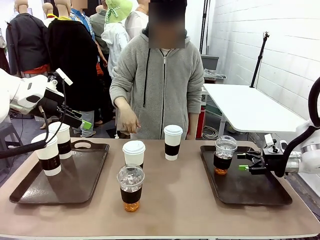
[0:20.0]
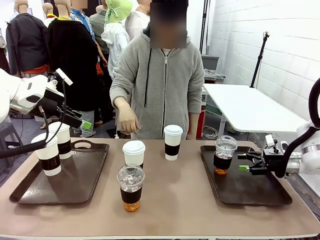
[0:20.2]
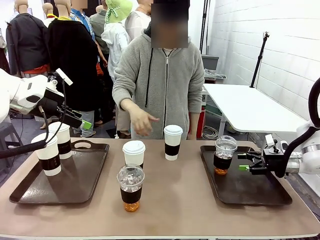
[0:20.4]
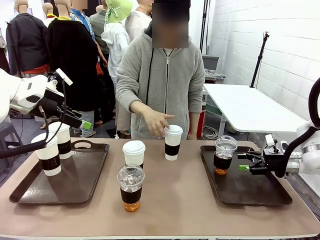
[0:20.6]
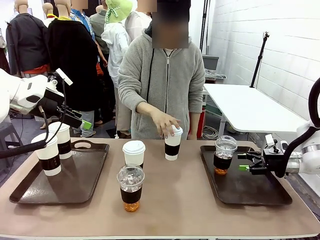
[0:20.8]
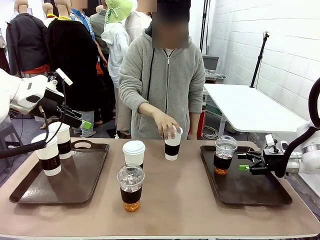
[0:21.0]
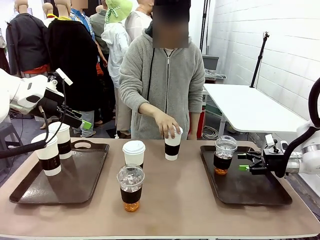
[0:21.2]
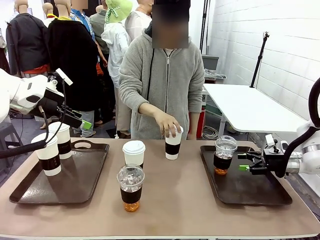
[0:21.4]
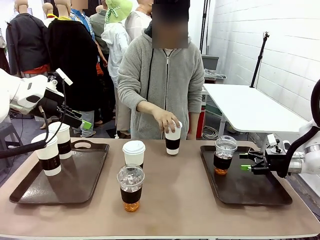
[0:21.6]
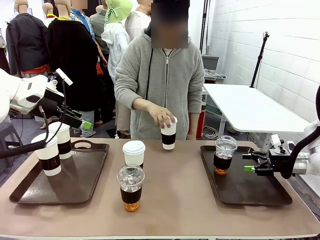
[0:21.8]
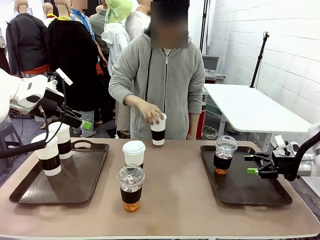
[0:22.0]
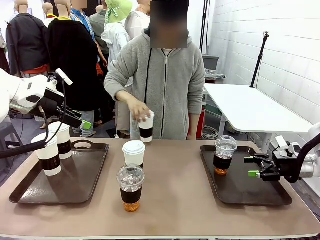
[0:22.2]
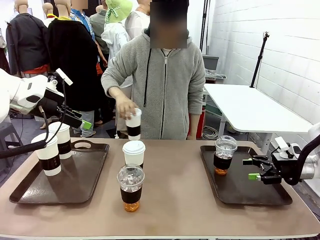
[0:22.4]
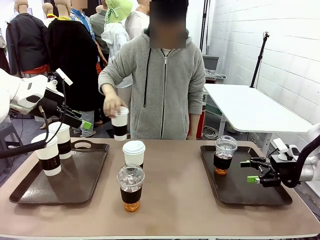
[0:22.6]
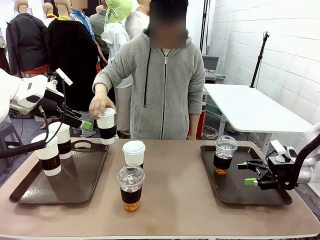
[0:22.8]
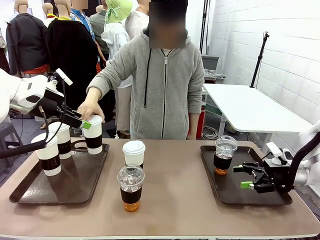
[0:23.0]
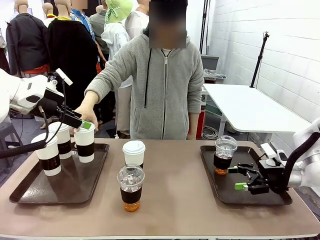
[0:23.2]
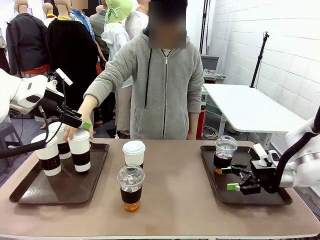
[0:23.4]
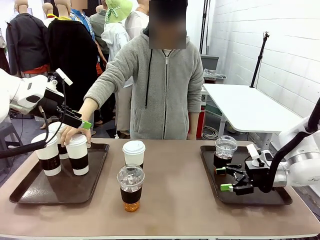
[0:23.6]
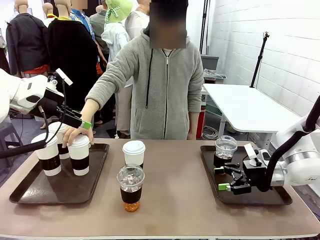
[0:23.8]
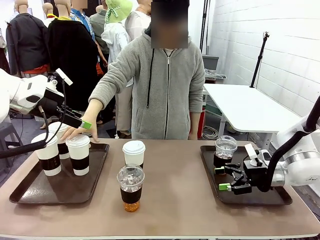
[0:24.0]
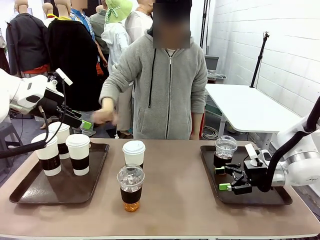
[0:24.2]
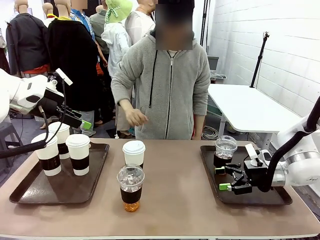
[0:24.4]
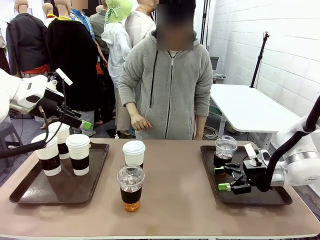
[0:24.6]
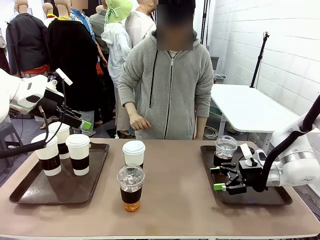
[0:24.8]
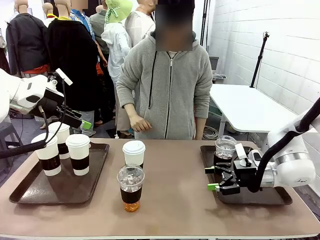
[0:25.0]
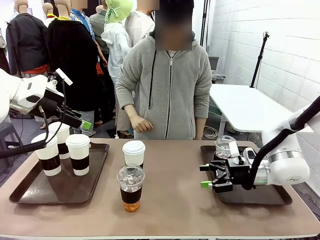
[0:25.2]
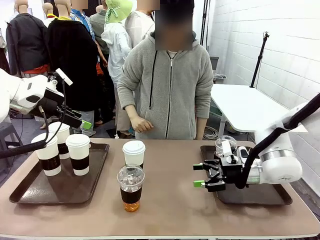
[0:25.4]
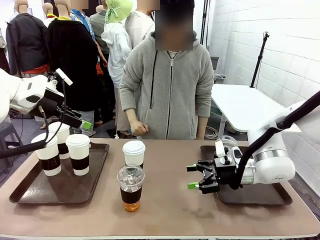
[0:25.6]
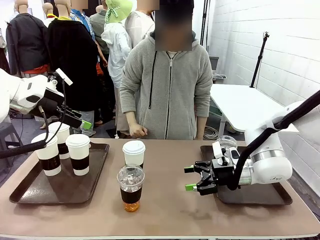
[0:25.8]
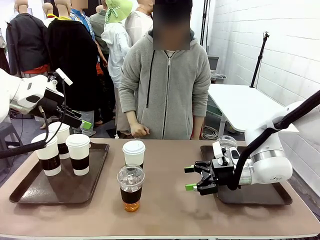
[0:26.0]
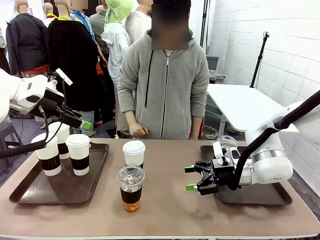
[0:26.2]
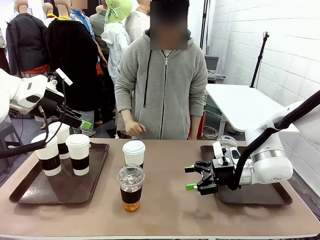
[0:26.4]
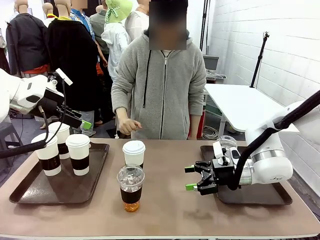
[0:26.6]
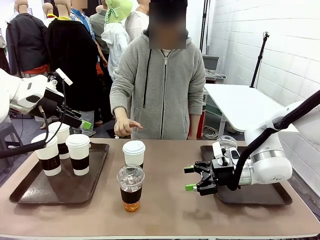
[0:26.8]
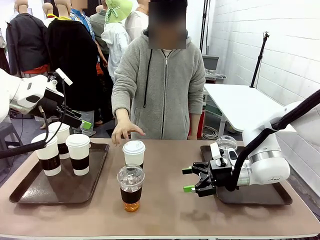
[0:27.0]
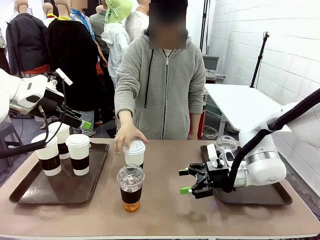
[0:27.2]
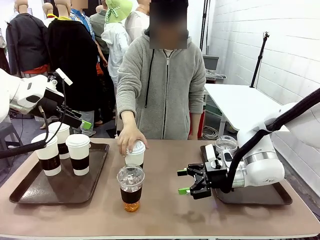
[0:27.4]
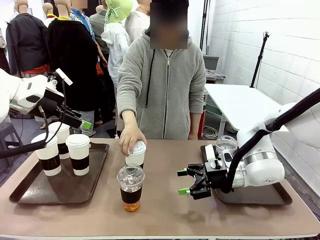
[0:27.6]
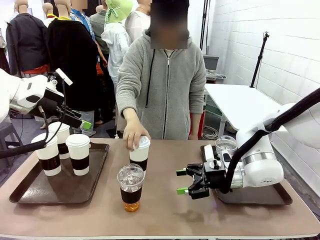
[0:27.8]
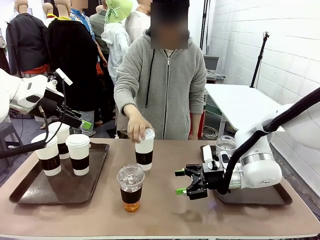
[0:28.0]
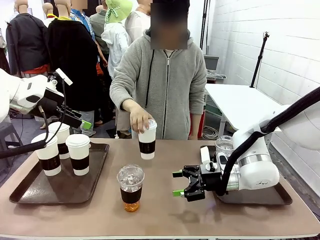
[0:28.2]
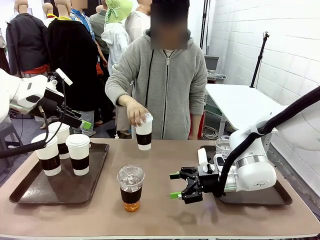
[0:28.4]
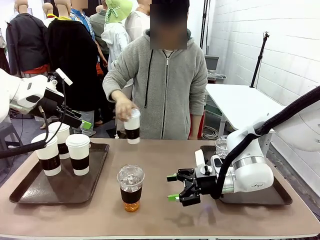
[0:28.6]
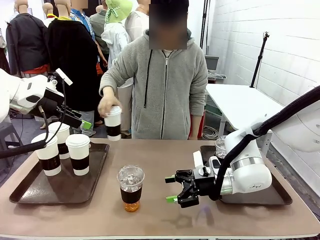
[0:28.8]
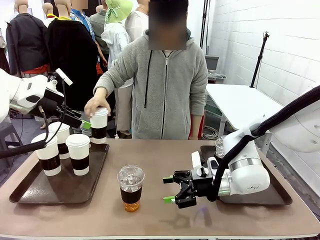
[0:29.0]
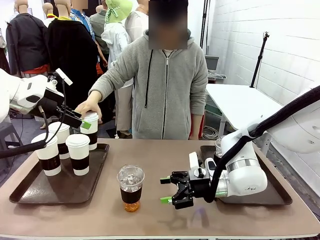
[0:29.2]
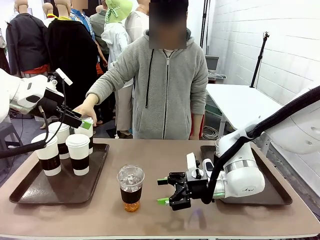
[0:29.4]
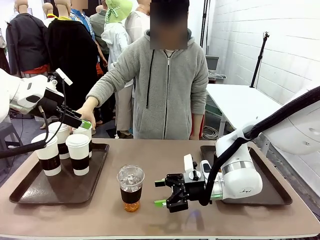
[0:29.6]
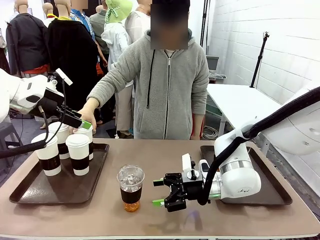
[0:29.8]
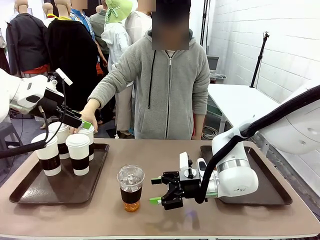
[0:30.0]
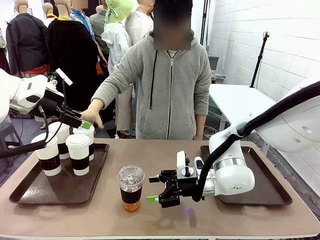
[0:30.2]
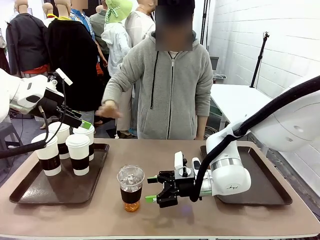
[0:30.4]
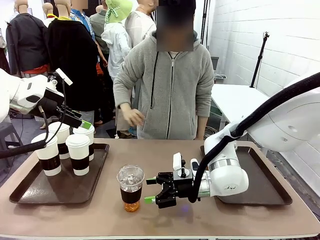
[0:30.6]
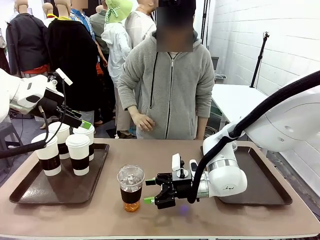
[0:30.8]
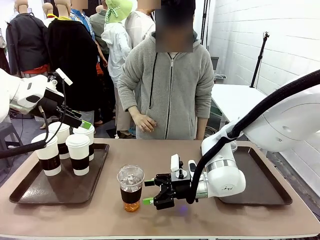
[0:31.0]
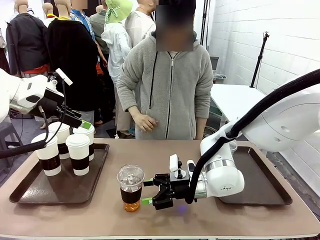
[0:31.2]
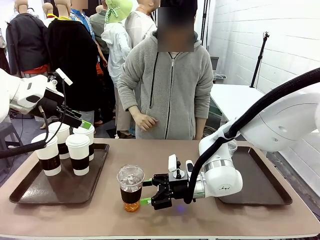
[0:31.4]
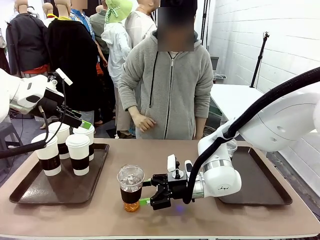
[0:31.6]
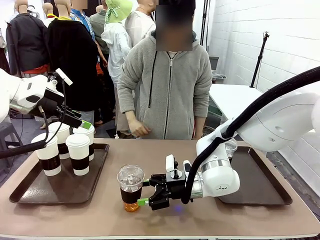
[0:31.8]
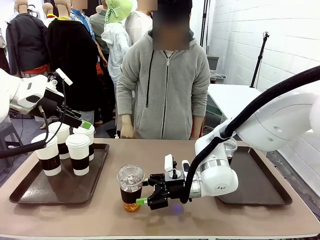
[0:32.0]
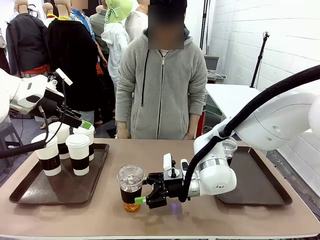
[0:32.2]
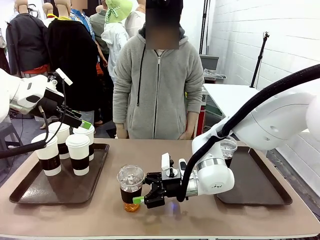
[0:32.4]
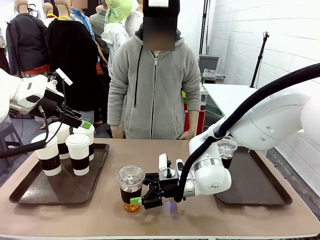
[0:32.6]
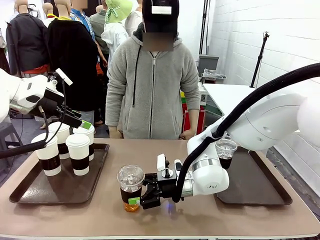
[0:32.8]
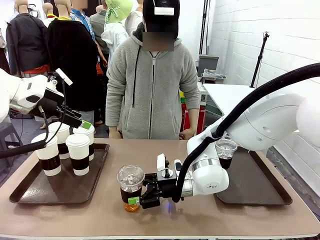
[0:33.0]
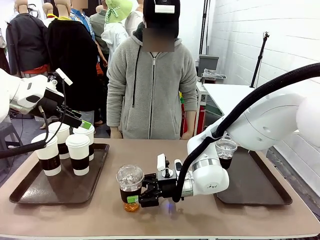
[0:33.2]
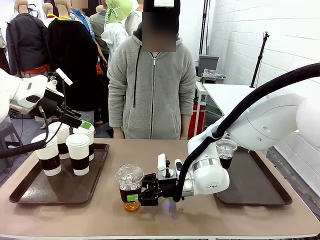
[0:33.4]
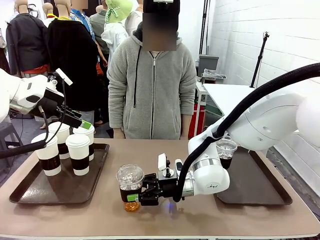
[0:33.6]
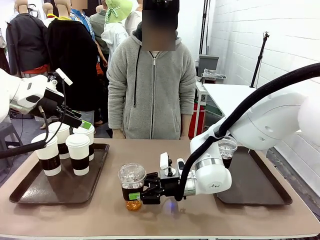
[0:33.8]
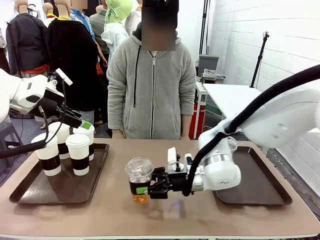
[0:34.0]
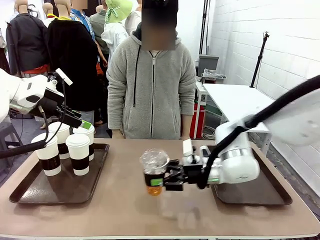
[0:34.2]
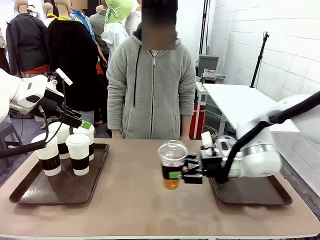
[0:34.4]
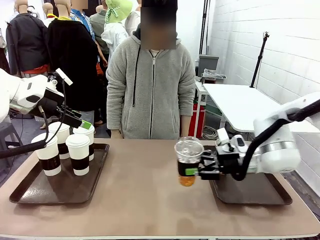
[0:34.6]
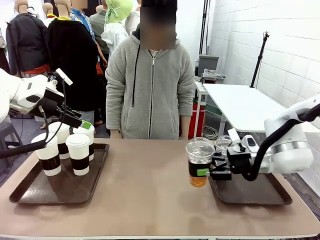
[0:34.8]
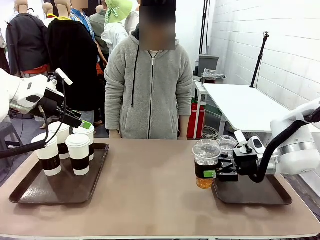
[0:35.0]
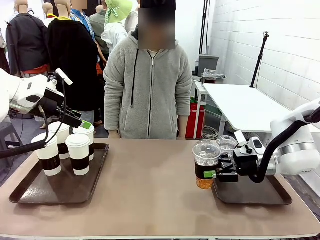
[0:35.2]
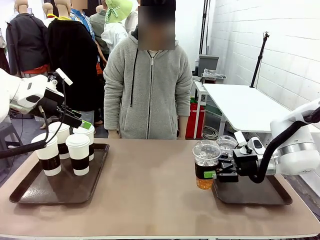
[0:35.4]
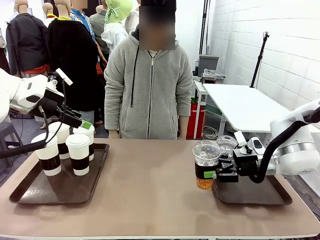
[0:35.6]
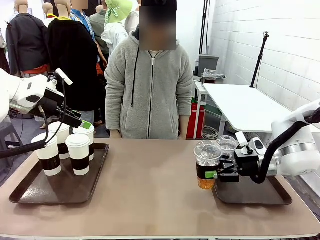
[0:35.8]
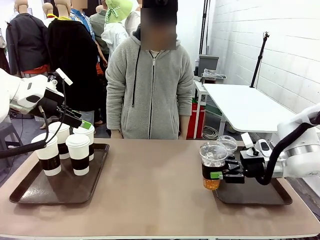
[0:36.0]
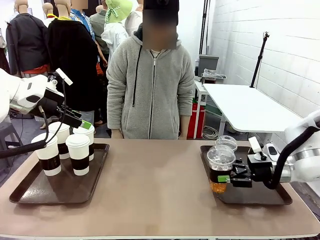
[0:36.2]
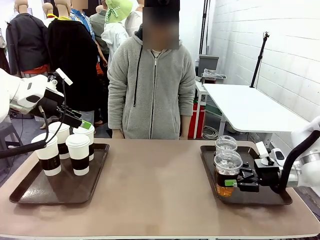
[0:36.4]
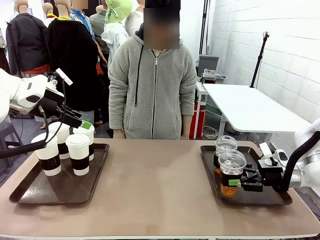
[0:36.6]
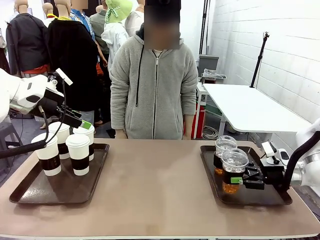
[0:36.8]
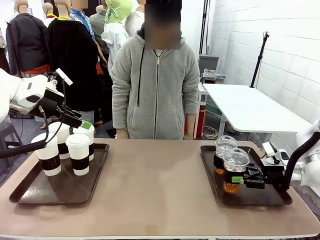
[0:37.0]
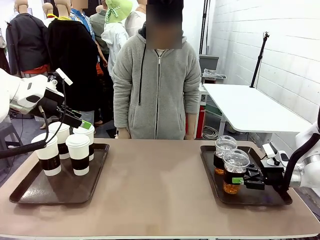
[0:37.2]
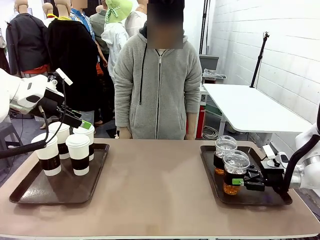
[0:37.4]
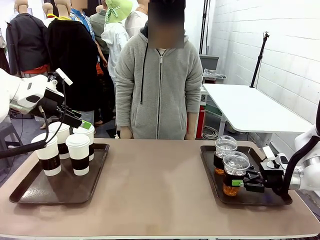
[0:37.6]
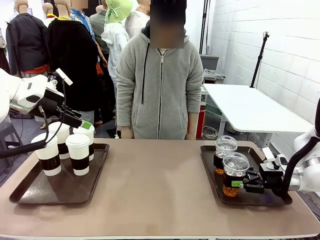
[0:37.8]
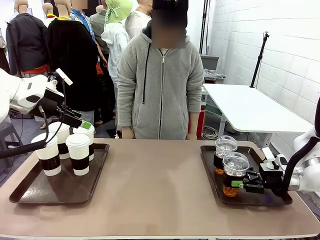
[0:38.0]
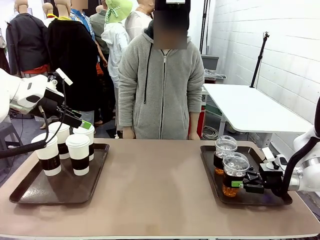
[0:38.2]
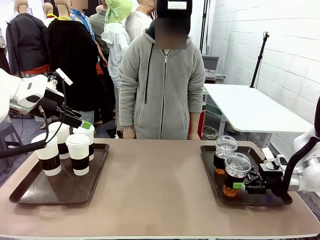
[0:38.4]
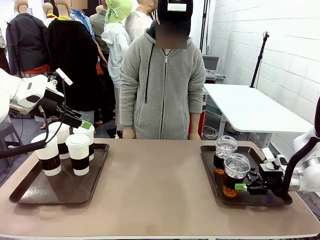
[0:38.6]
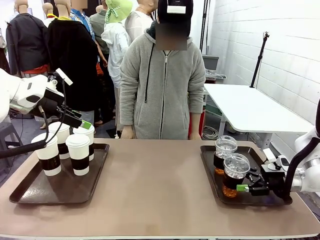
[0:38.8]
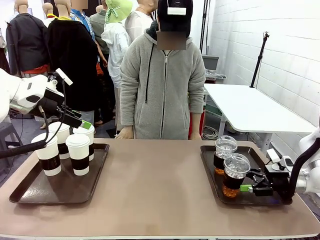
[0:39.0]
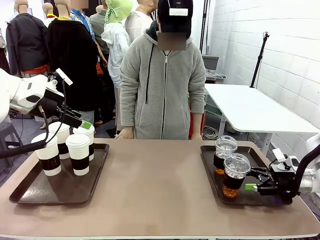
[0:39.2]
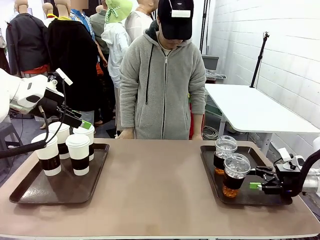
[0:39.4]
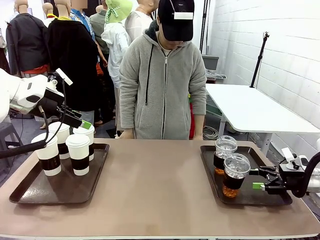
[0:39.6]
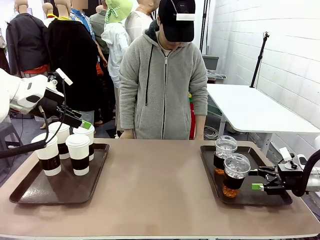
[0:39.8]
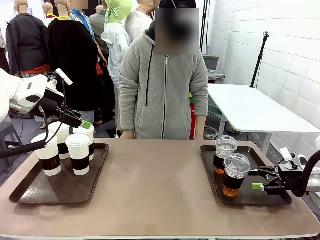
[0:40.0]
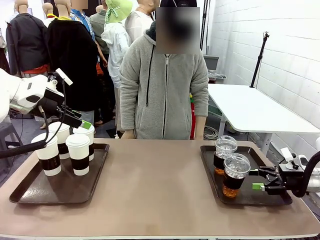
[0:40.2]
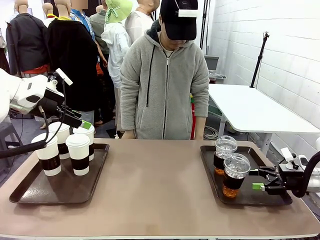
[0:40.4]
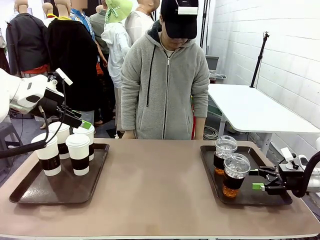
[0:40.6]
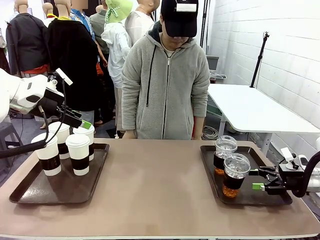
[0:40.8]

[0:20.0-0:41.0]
Task: Distribute the coffee onto the tray.
Robot: Pick up another iced Americano from the middle of the table and place it on the right Handle tray.
Person: Pick up a cup of hot Americano from the middle of the table and place it on the right tray.
